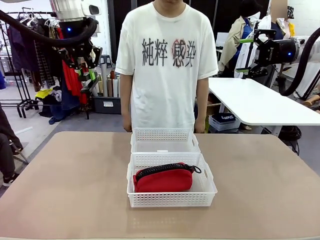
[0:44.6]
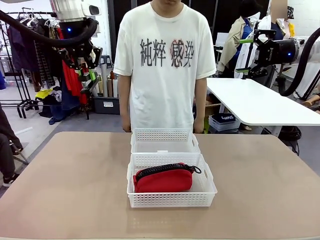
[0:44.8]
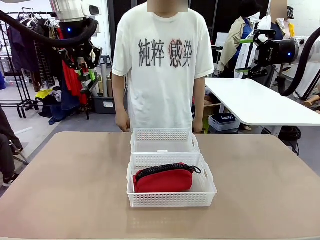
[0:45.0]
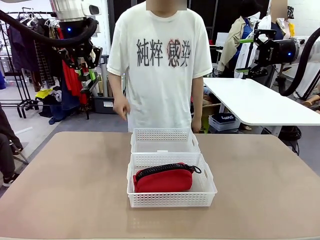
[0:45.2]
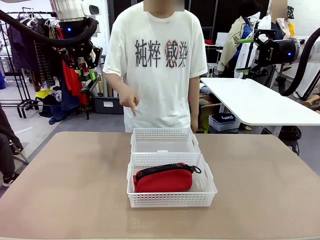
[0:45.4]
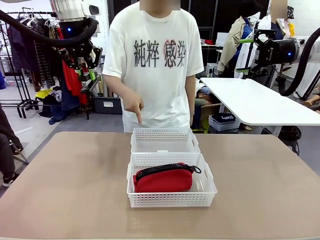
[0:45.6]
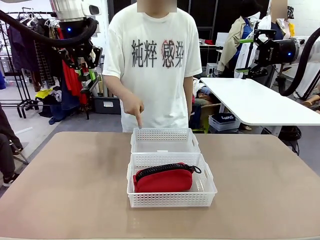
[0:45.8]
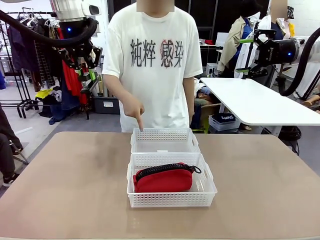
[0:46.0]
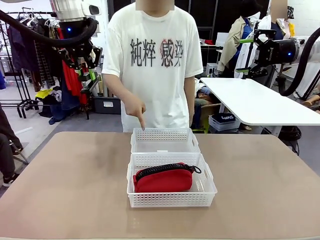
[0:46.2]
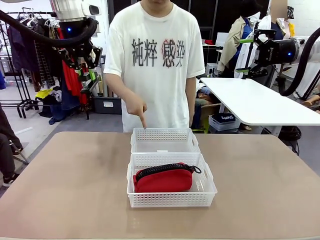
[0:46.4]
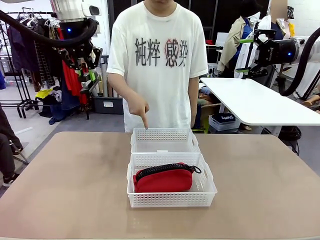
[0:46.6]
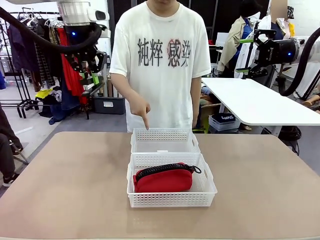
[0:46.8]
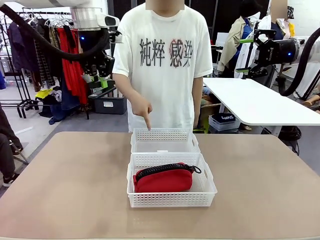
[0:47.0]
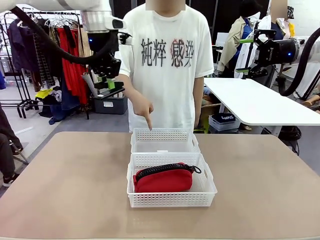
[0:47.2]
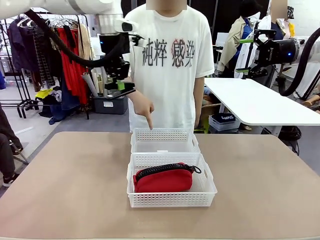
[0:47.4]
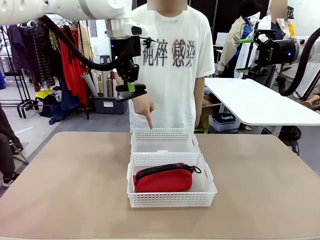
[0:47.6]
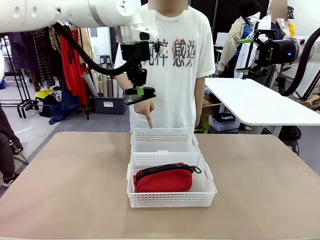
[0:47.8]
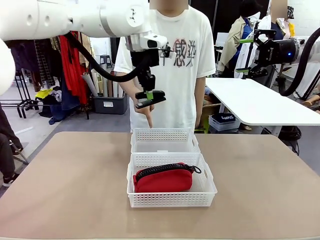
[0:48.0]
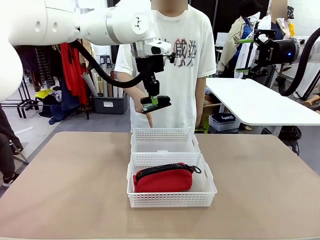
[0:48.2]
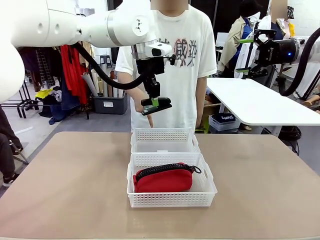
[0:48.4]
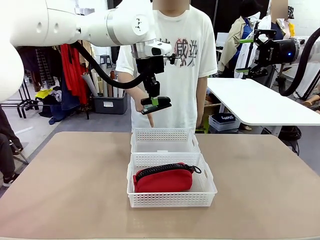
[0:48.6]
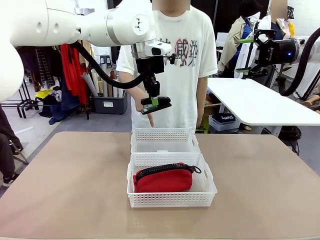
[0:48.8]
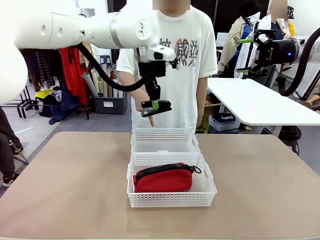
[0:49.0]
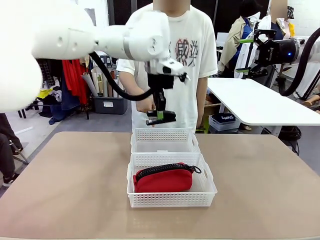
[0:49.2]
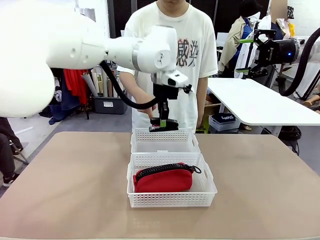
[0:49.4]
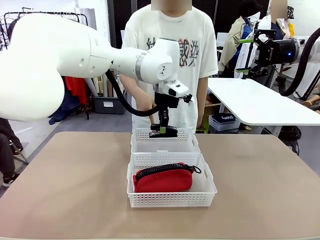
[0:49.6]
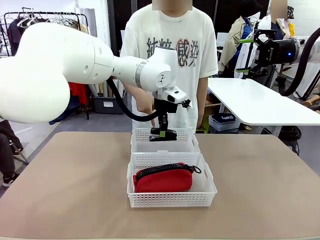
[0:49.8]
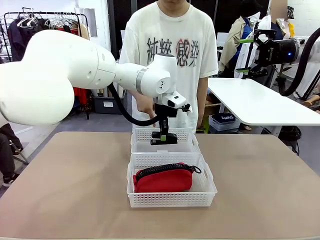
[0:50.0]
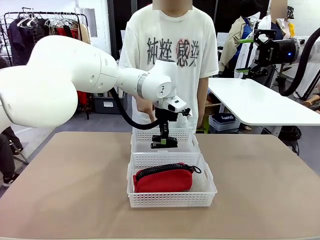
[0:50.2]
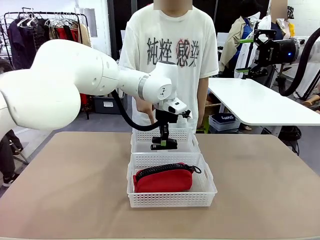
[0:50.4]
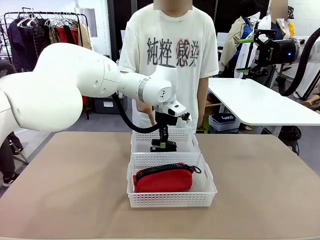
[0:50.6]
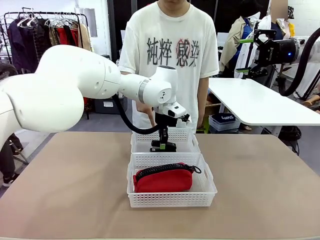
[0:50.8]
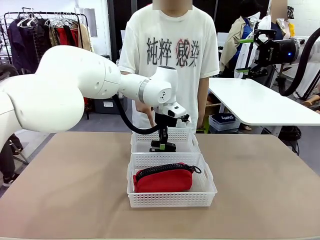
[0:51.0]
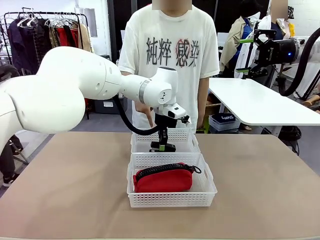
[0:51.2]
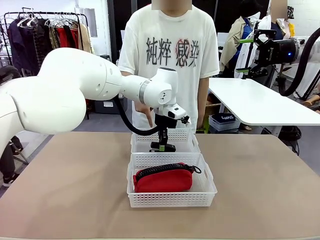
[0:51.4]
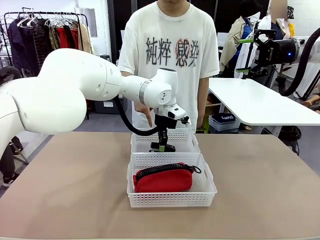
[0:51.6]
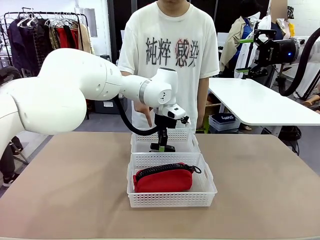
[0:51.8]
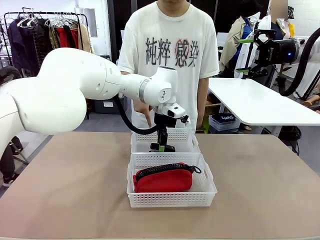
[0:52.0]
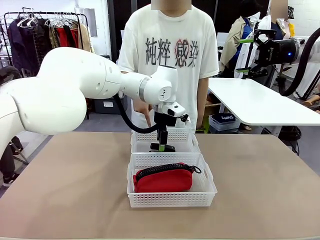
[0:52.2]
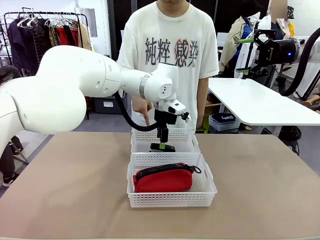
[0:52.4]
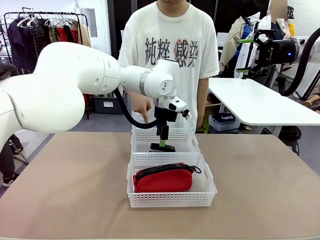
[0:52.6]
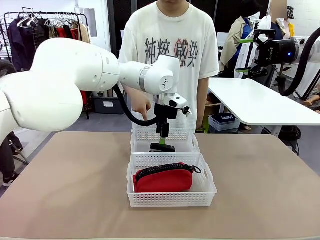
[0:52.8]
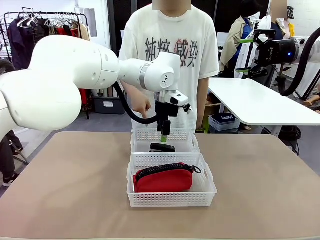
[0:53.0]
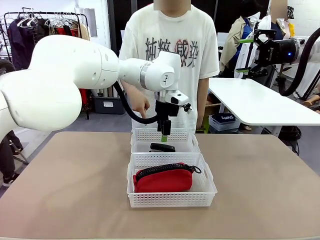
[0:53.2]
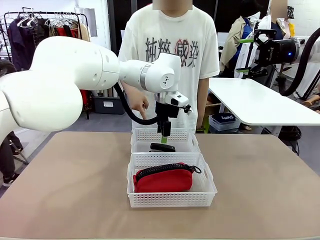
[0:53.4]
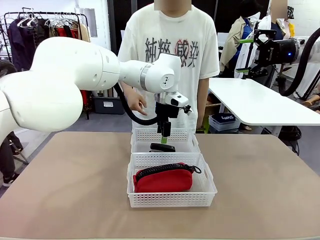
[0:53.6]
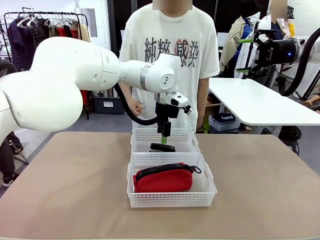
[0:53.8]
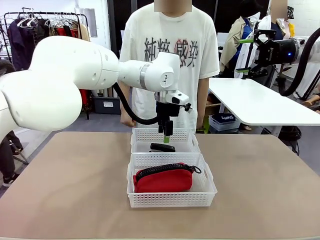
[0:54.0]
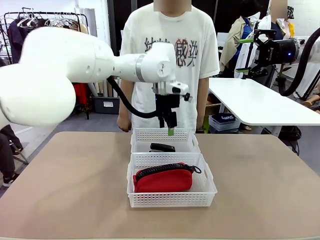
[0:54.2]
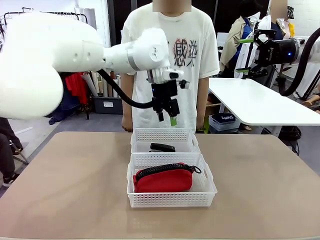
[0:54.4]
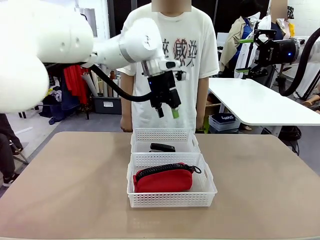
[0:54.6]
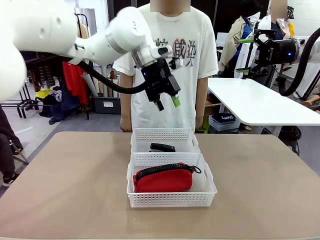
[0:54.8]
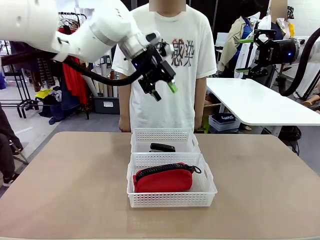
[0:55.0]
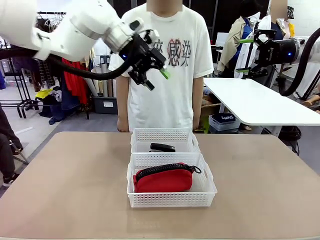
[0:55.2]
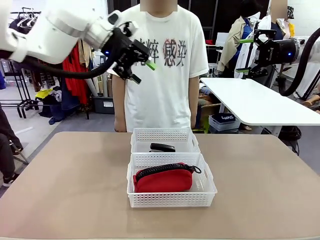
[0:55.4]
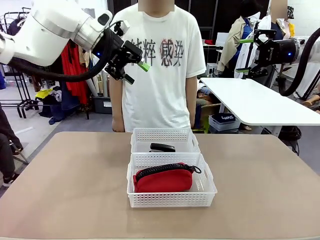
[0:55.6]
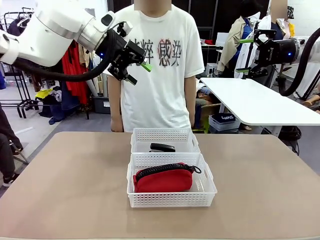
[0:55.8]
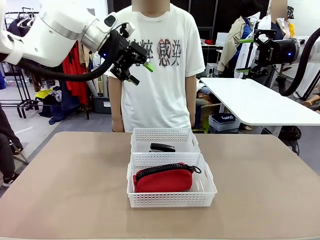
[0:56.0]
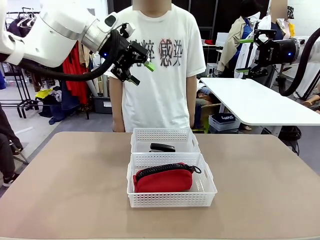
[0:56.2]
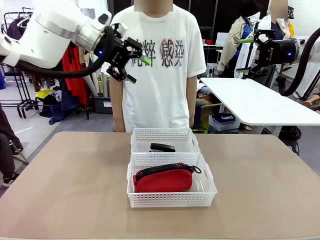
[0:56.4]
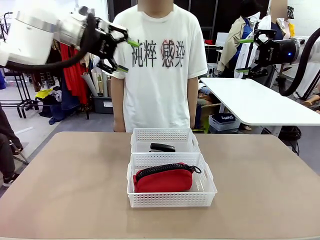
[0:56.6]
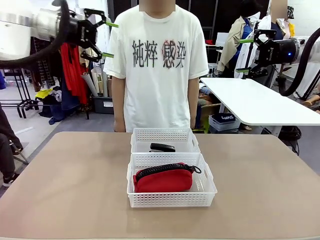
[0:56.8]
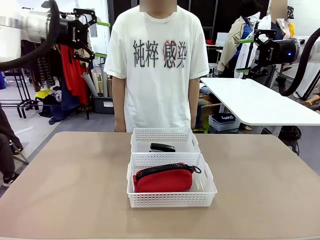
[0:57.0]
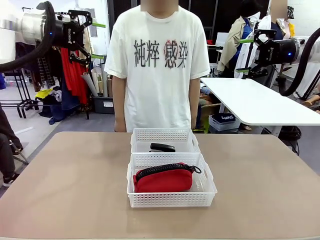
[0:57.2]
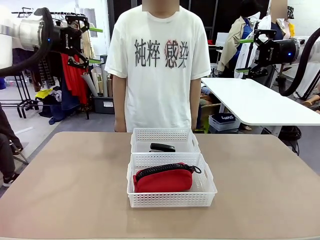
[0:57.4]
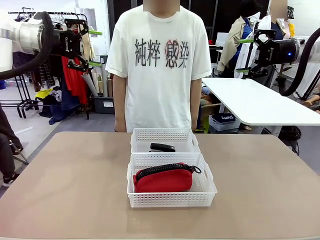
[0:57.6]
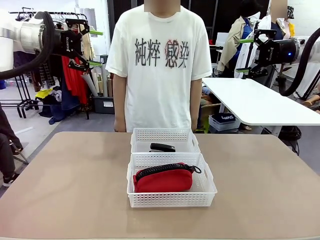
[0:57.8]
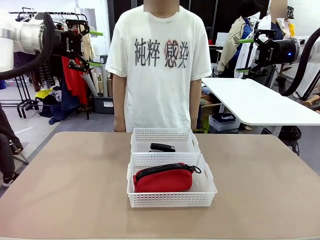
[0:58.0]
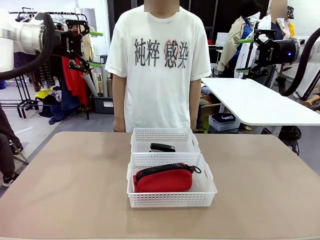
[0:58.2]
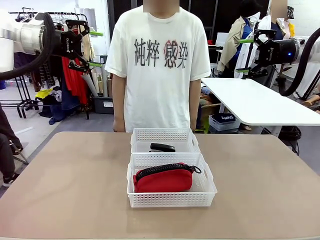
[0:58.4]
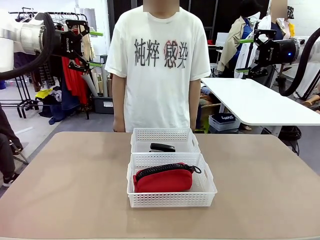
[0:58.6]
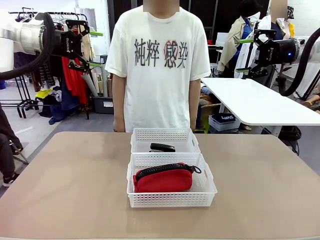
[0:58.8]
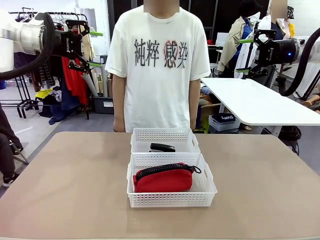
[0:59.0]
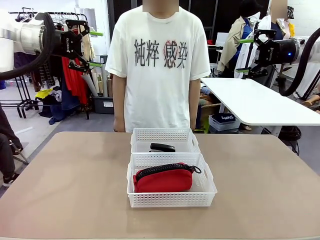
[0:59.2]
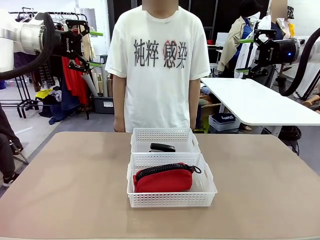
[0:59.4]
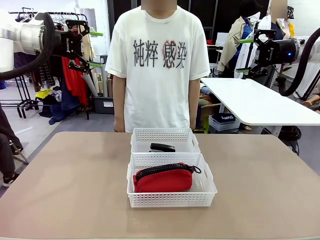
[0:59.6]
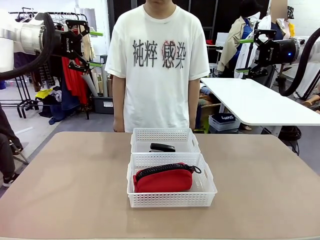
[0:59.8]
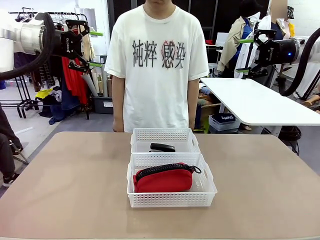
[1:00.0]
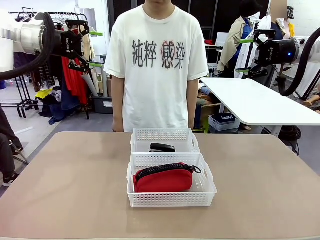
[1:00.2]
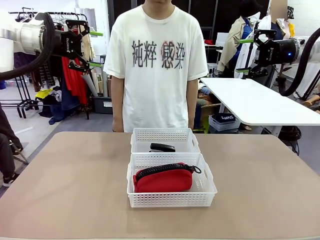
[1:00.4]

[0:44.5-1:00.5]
Task: Distribute items into two baskets.
Robot: Place the picked Stapler into the Organizing basket as instructed by the person.
Person: Points to the basket that does not contain the pencil case and instructs the robot to move the stapler there.
